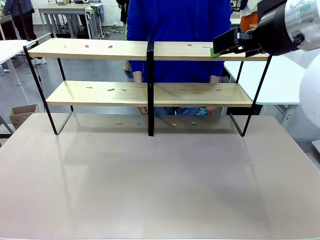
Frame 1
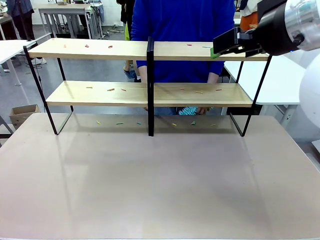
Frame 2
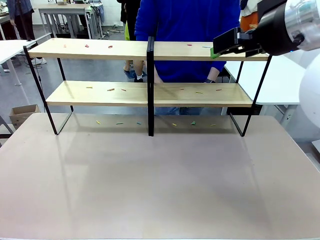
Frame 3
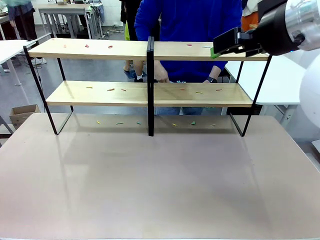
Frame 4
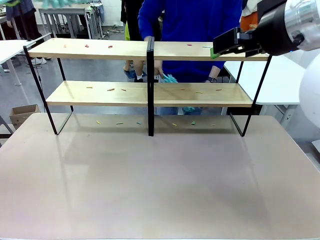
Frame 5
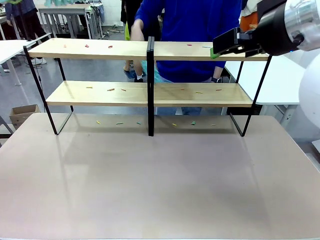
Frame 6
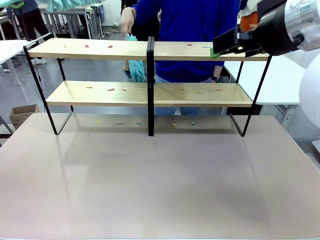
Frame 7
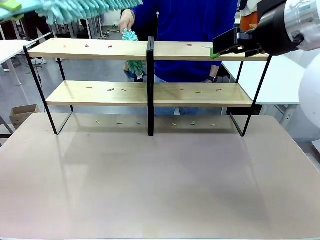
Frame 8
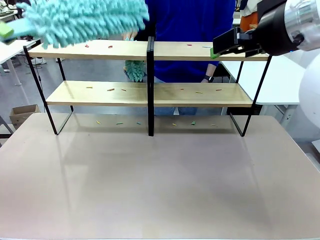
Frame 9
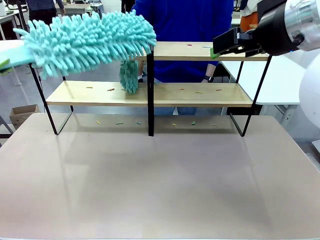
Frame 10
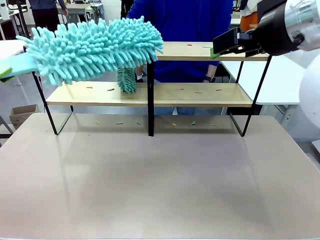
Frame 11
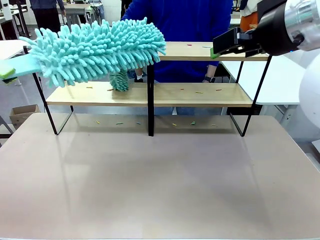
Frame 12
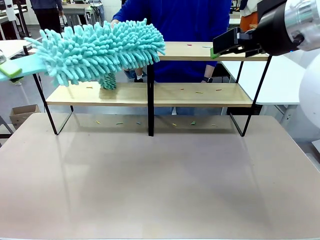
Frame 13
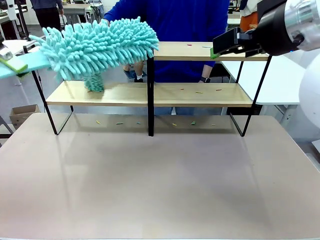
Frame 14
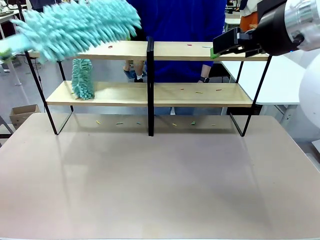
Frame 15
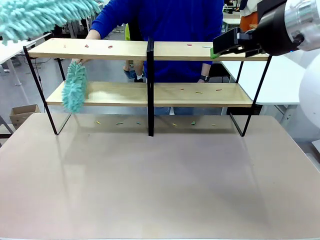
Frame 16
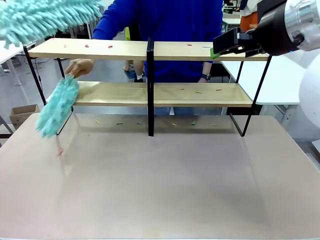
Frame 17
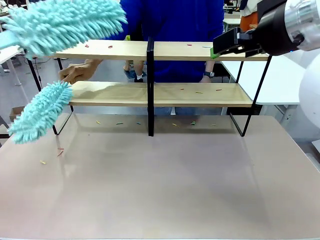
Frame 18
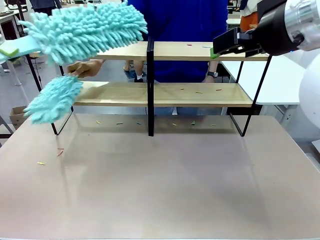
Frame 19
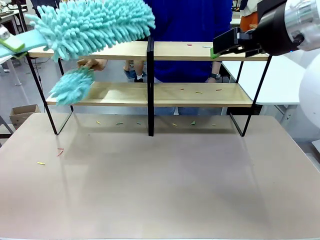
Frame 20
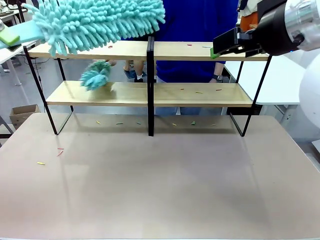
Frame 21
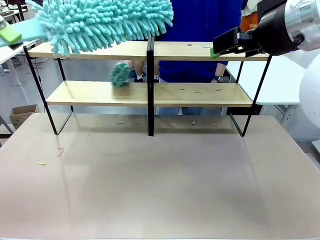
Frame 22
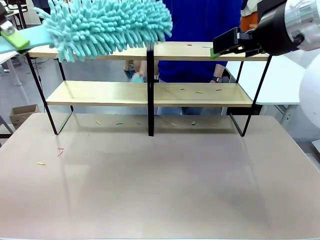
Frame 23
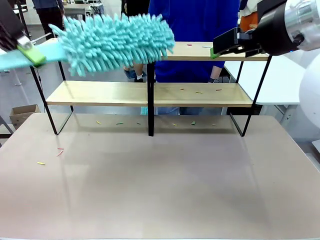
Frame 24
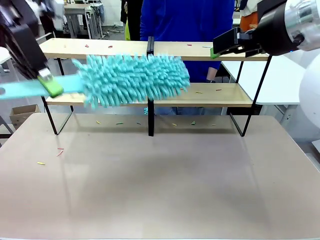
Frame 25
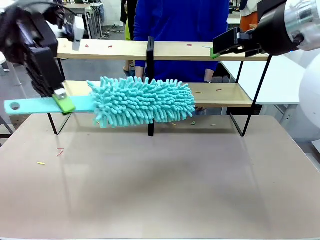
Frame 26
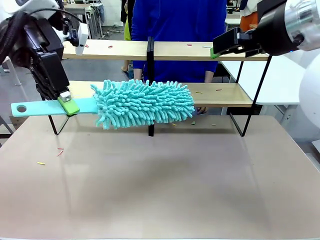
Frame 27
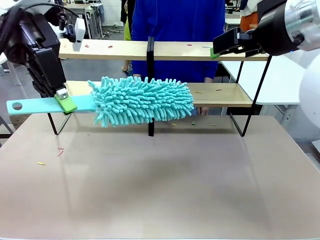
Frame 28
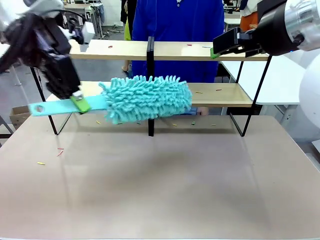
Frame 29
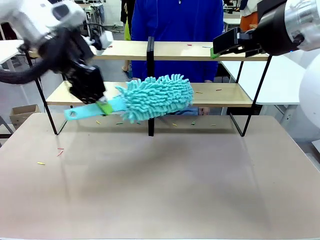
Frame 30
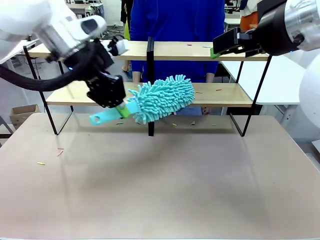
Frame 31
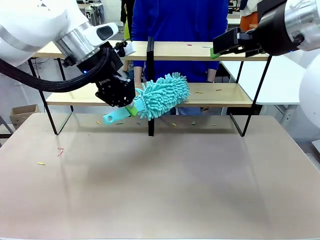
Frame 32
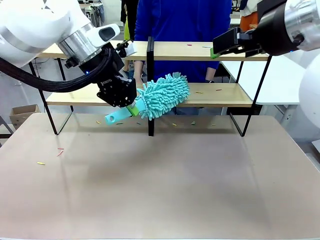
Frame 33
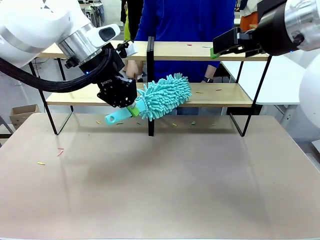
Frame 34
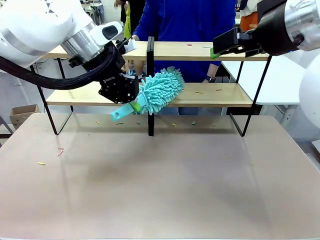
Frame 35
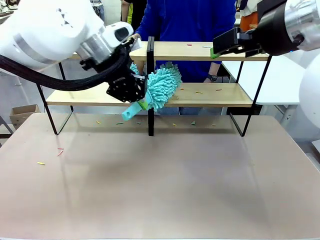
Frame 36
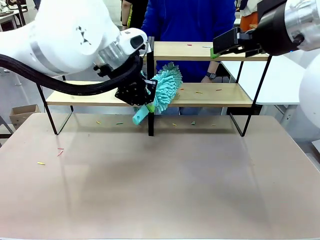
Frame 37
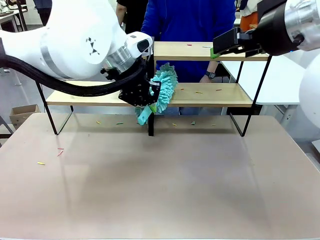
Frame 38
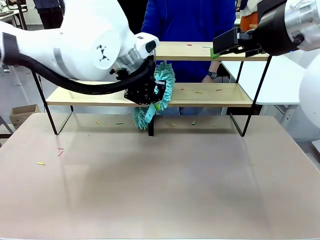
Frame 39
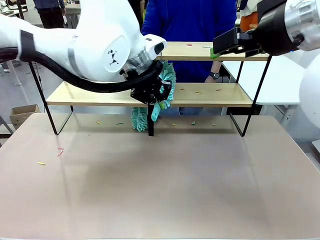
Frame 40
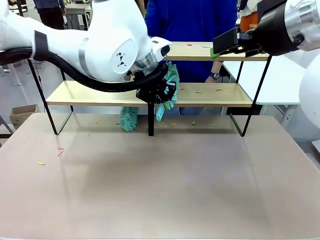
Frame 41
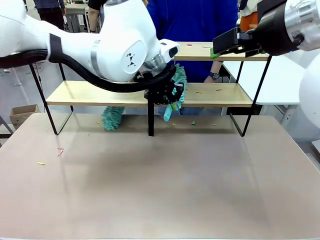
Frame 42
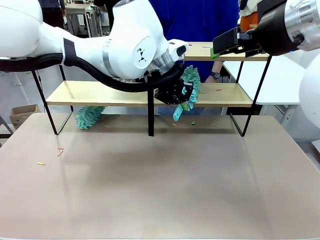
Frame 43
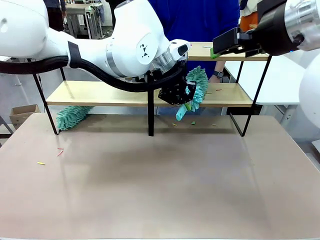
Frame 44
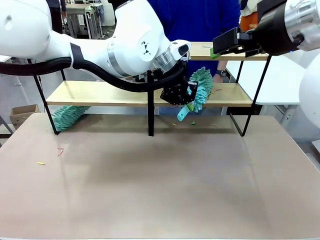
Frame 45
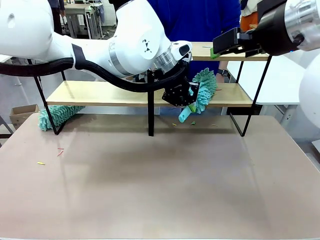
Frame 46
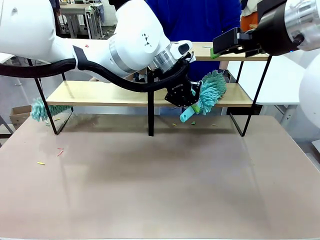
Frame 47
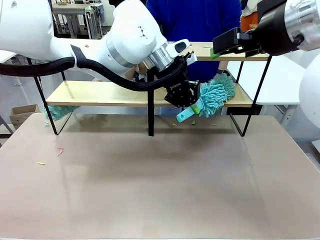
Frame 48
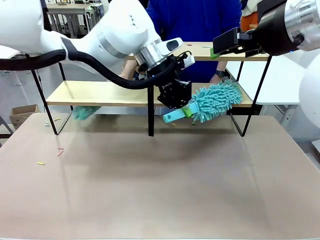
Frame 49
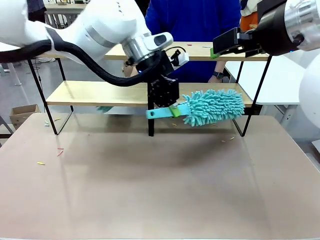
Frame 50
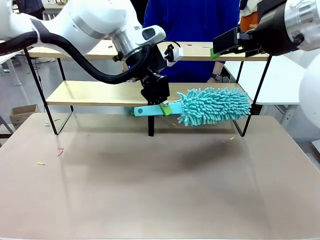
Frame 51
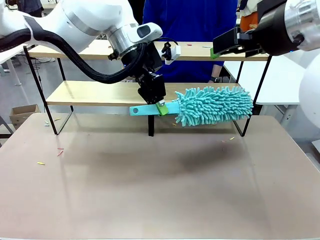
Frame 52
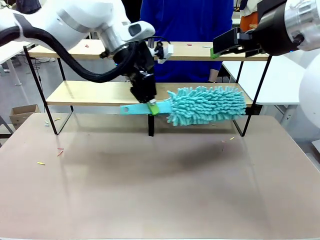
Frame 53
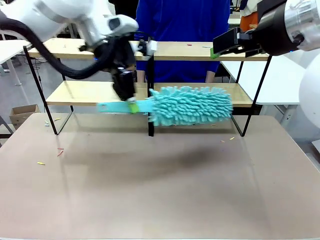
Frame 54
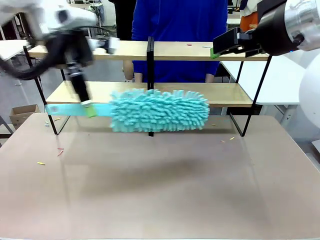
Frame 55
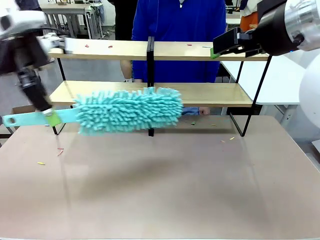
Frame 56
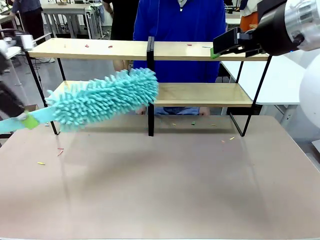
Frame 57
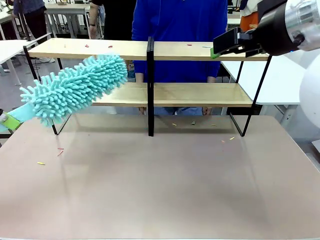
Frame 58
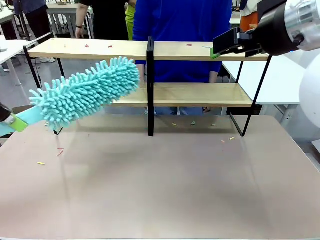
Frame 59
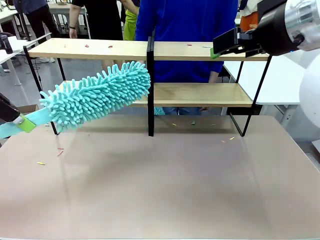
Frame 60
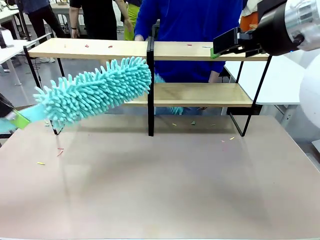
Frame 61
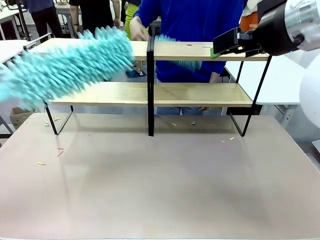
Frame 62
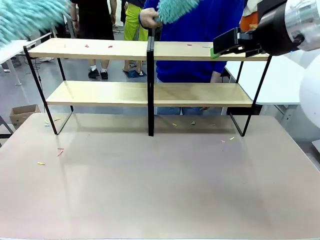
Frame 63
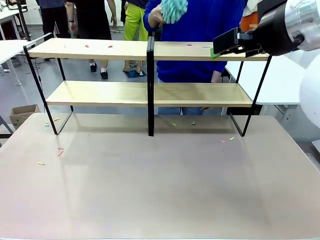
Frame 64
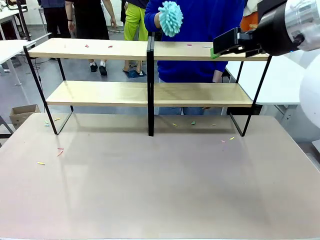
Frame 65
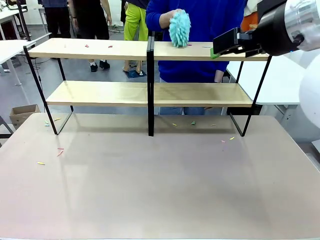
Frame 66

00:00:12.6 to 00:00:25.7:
Task: Clean the shelves.
Robot: Clean a randomly selected level of the Shelf with the Duster.

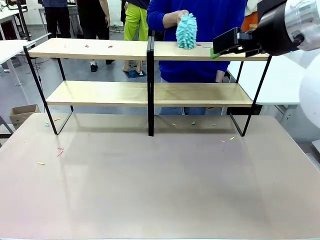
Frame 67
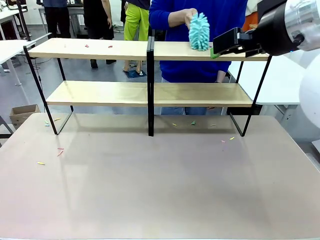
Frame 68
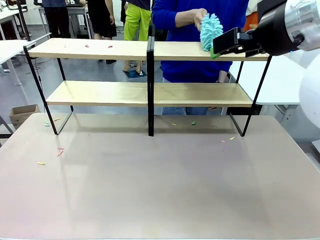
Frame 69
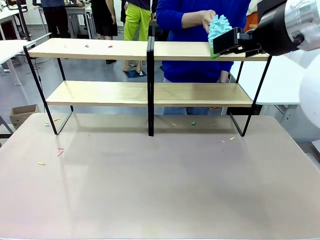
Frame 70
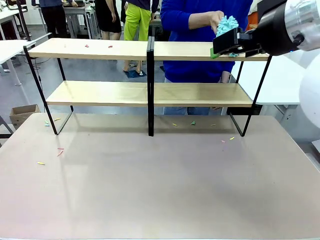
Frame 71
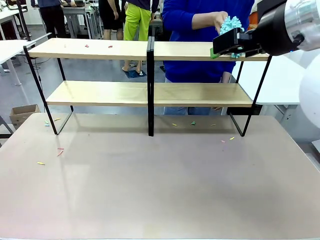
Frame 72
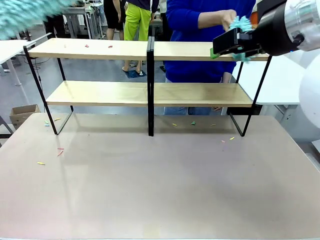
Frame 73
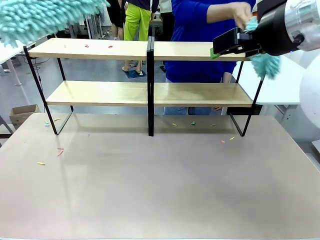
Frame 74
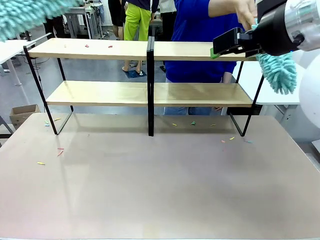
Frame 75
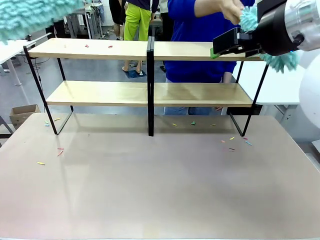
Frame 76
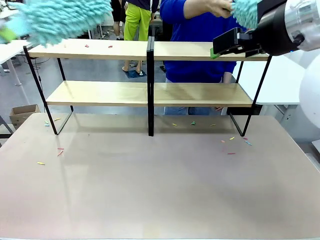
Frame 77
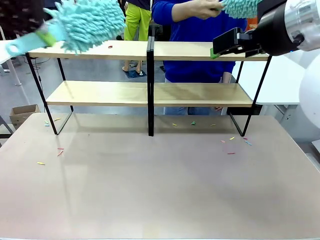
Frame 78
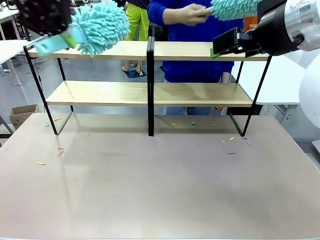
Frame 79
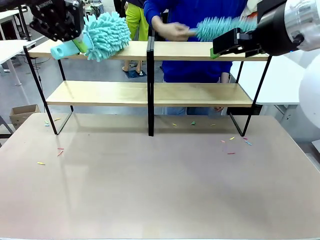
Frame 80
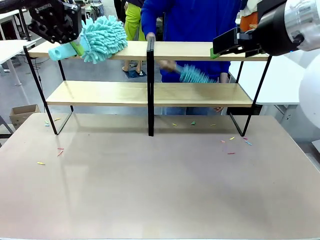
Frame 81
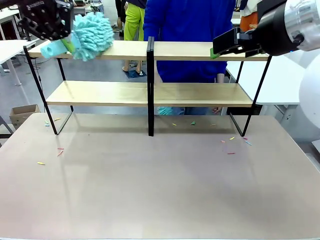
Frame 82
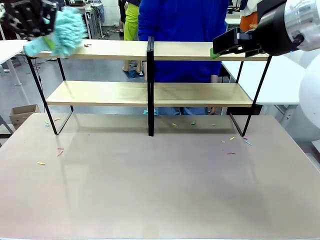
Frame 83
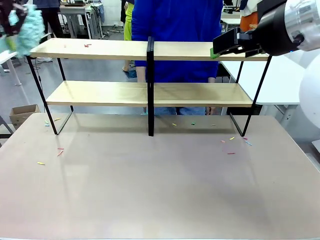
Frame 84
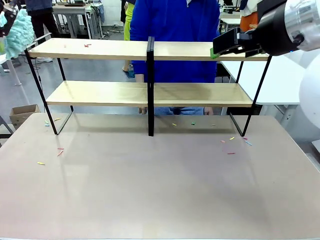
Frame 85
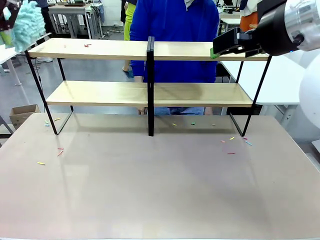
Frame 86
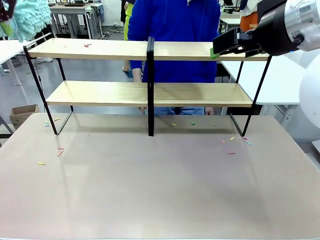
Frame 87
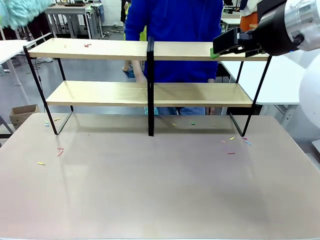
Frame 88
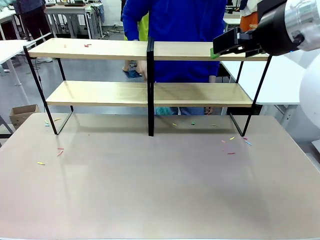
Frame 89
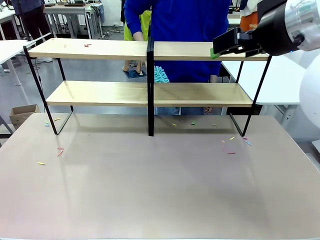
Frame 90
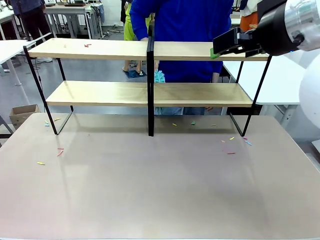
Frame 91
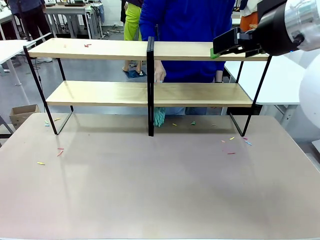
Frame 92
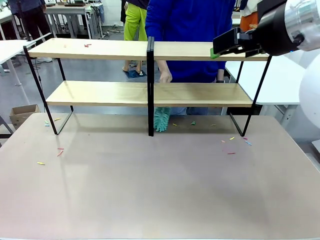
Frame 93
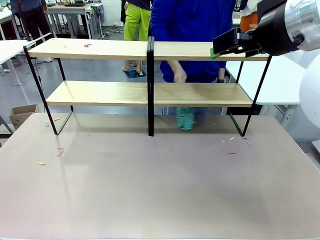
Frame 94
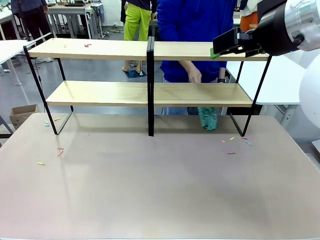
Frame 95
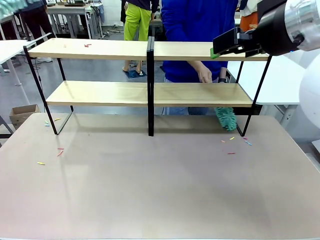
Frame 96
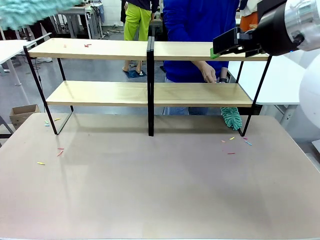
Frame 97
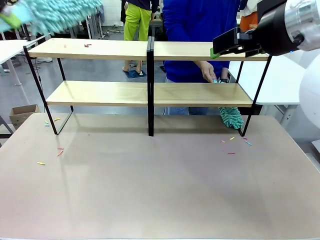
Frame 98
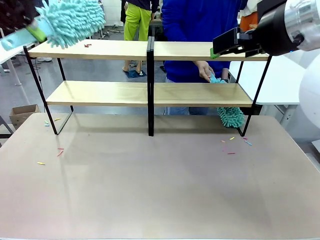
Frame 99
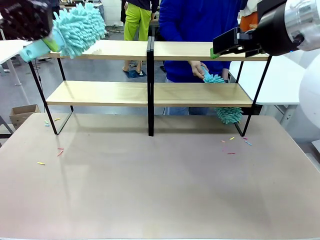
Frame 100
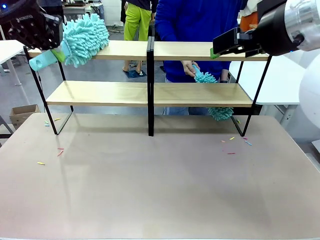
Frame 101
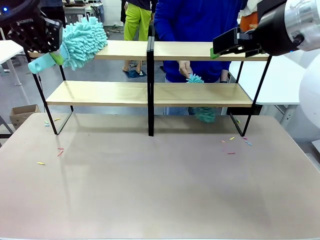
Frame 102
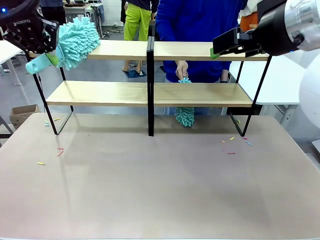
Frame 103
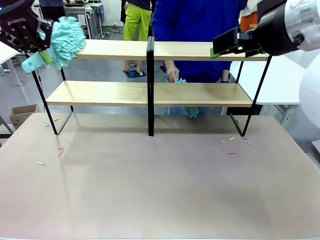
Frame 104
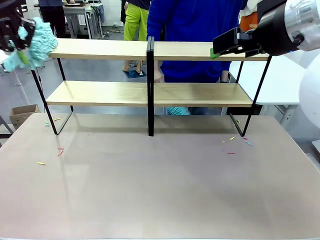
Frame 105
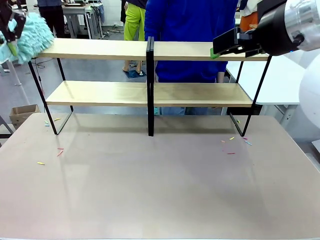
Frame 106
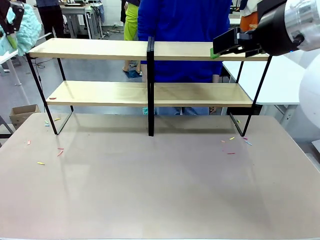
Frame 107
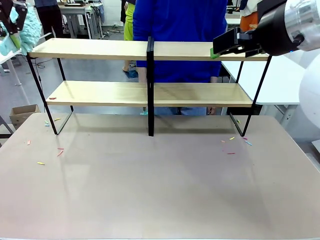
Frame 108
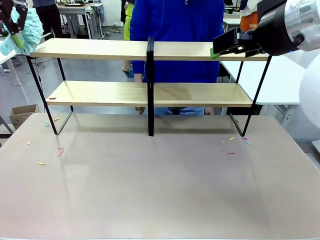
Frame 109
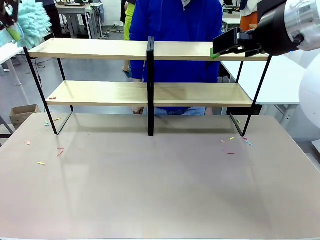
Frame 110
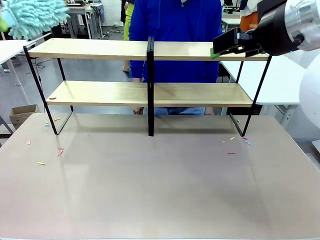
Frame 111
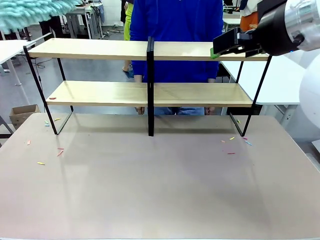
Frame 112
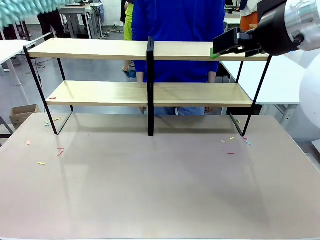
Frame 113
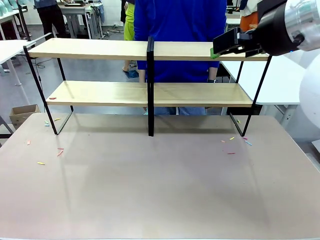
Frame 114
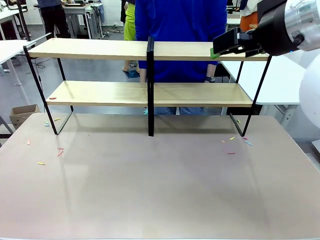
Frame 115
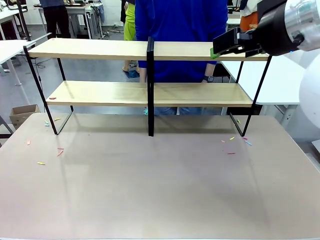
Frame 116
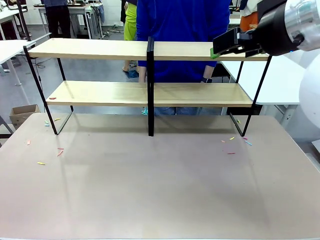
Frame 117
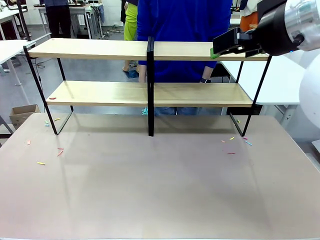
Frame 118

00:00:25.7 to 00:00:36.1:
Robot: Clean another randomly selected level of the Shelf with the Duster.
